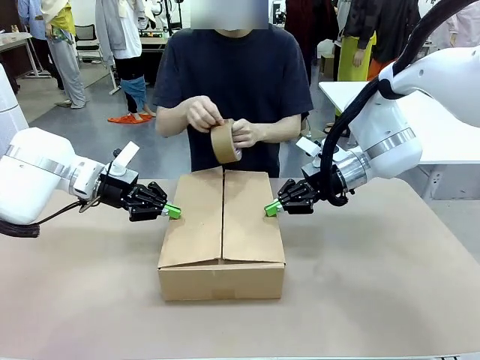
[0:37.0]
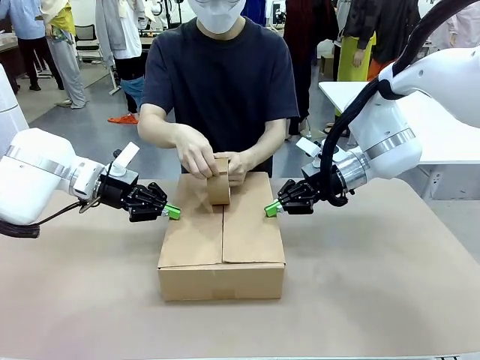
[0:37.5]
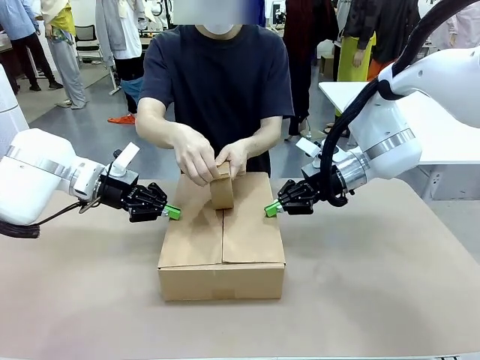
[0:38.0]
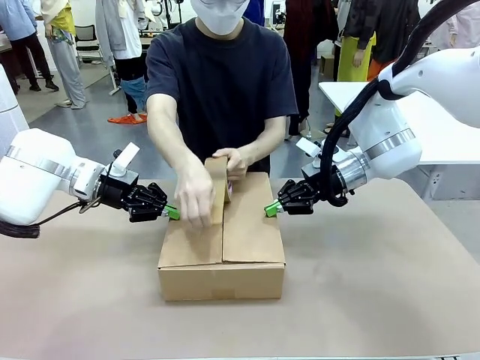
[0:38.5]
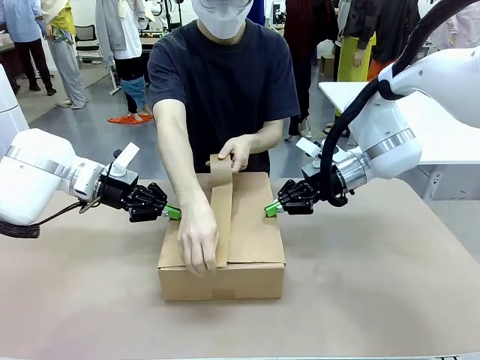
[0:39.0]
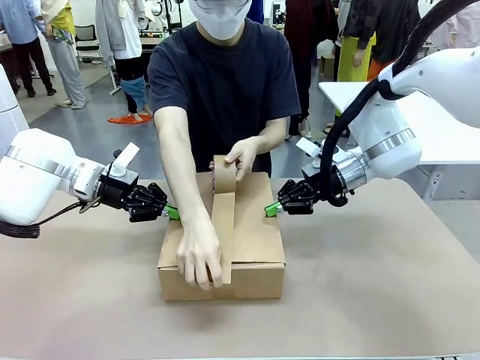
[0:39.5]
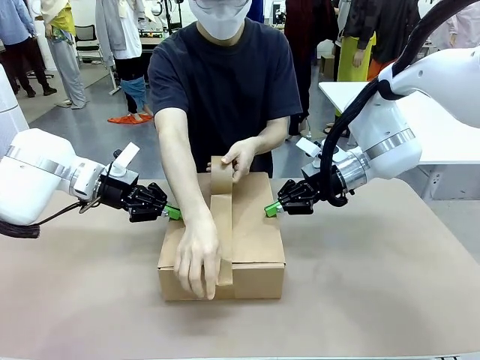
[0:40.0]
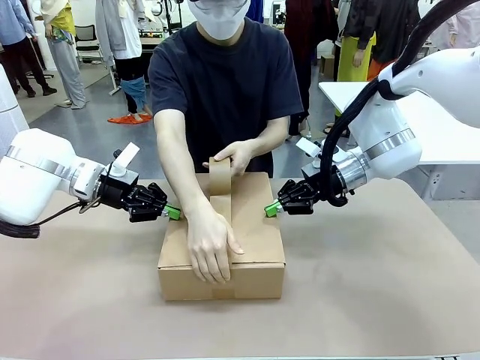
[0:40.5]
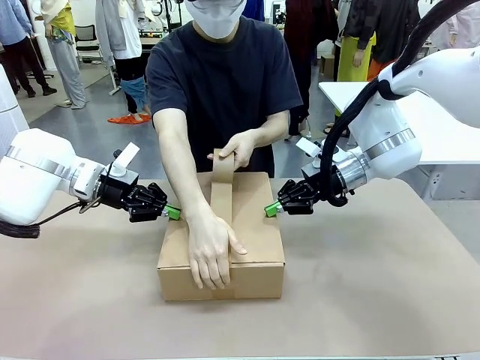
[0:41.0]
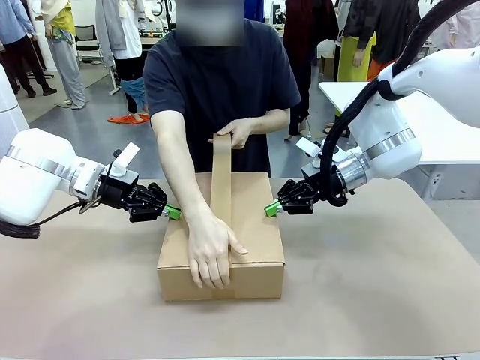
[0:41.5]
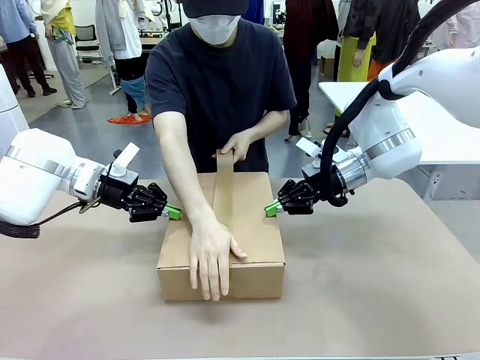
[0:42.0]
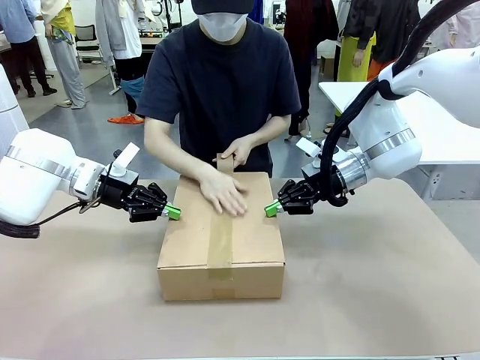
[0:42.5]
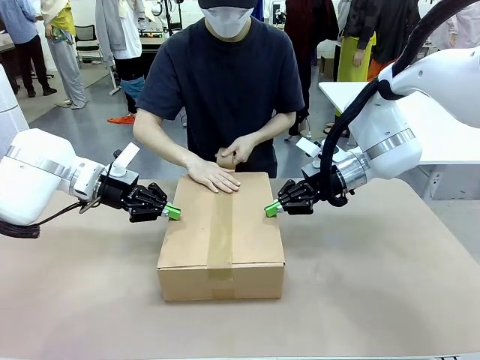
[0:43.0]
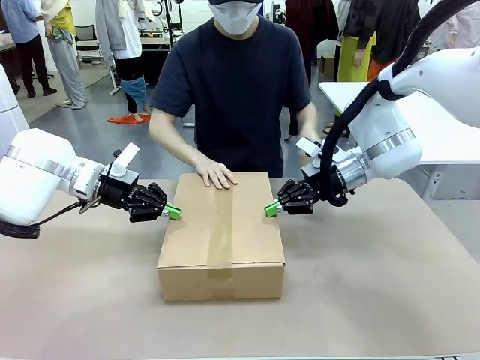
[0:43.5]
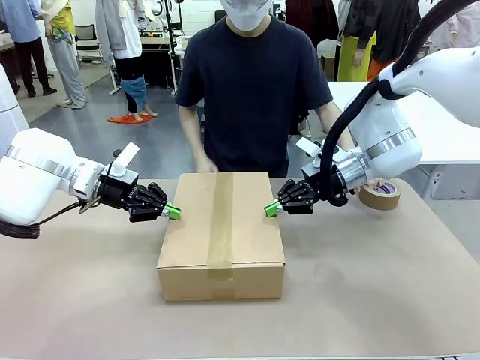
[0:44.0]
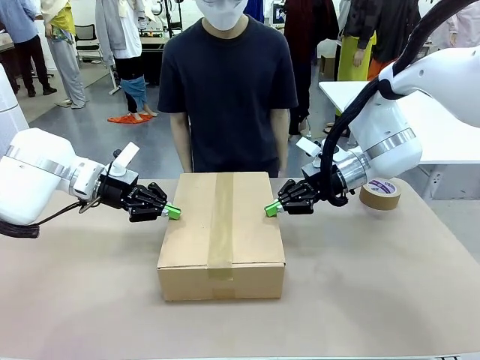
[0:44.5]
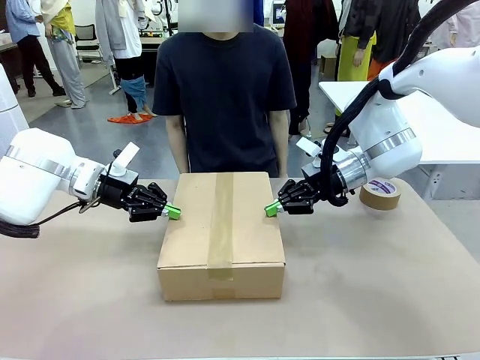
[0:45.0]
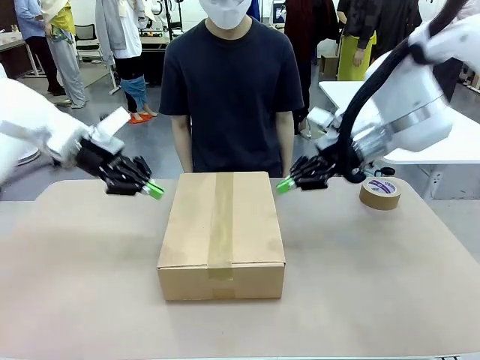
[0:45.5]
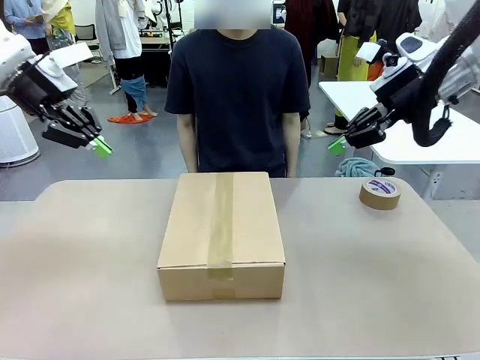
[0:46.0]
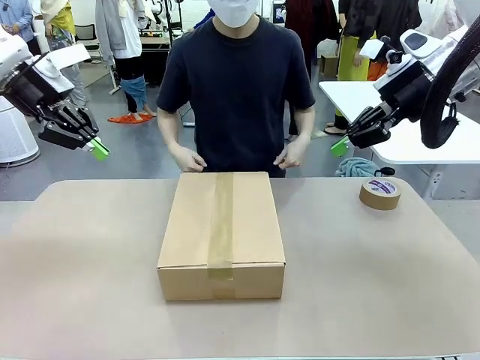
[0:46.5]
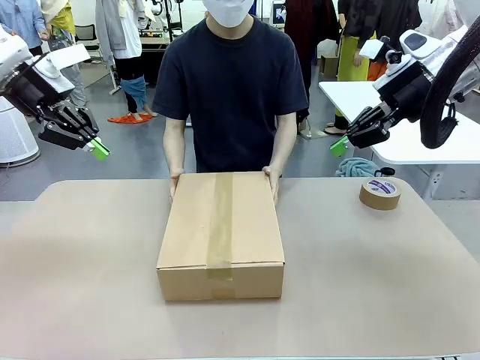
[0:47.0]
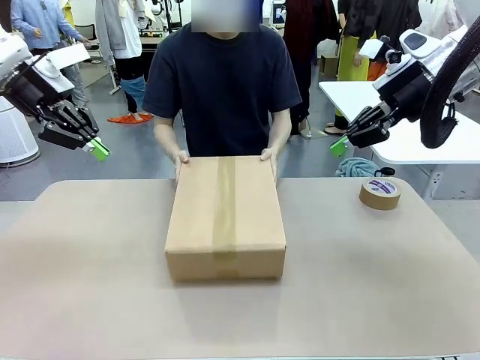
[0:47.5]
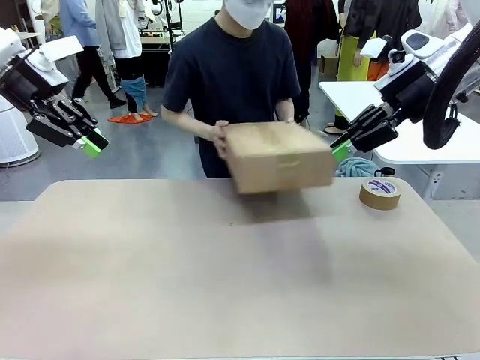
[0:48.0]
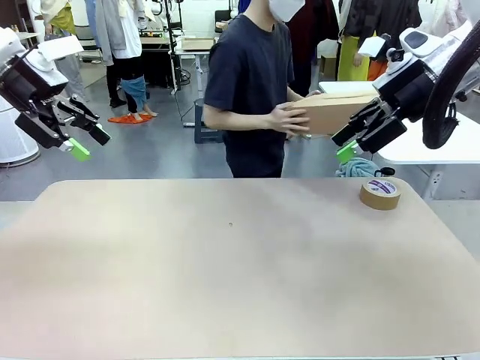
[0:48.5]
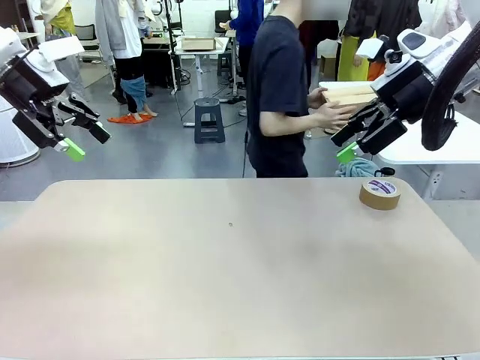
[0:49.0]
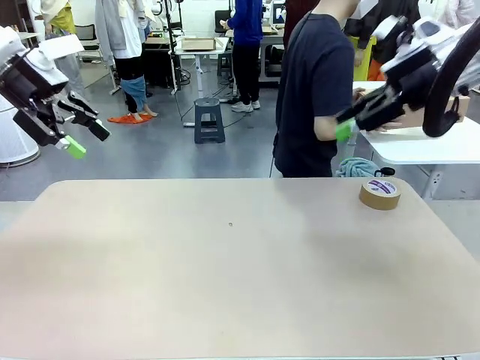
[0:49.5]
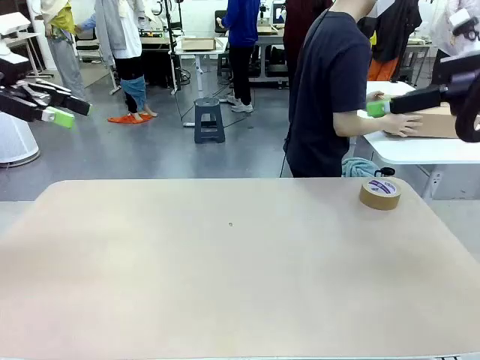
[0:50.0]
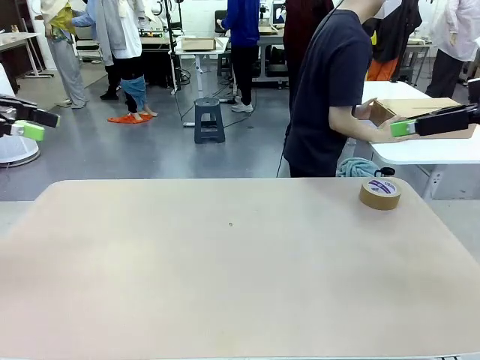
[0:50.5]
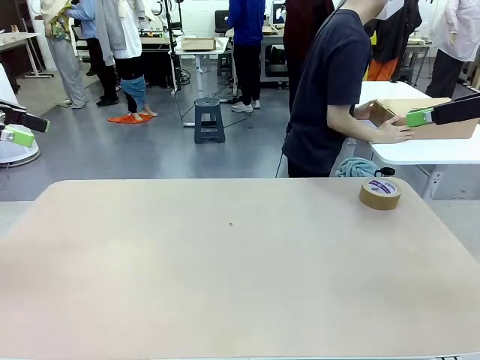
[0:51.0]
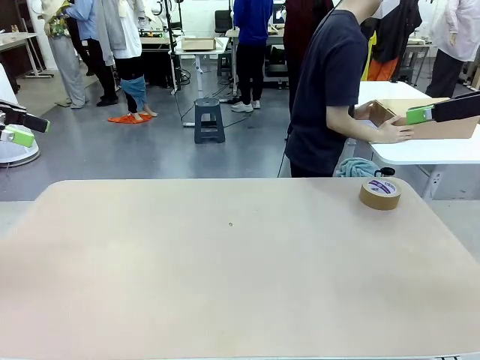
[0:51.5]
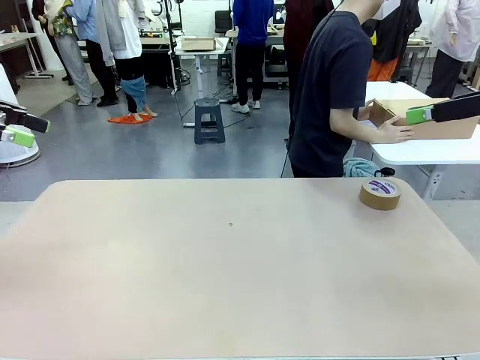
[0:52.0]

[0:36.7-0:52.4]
Task: Wrap the clocks to prevent damage.
Robot: After the human seals the box with tape, release both hands from the side flaps of the Package Box.
Person: Once the robot closes the left flap of the Package Box , seal the box with Paper Tape. Place sealed Package Box in the middle of the human's table.

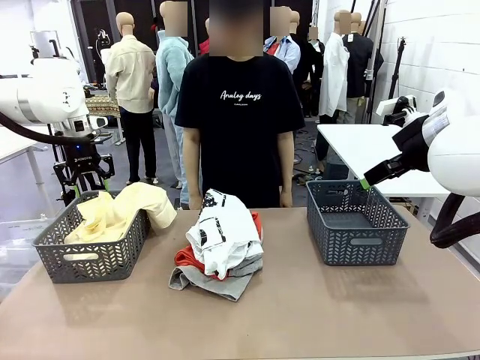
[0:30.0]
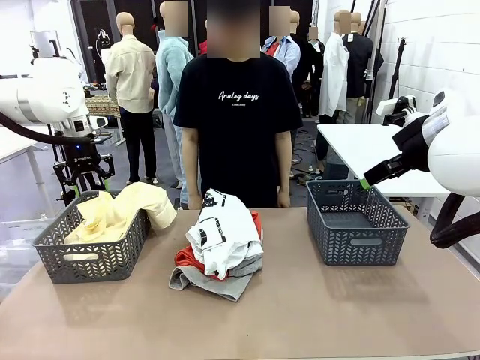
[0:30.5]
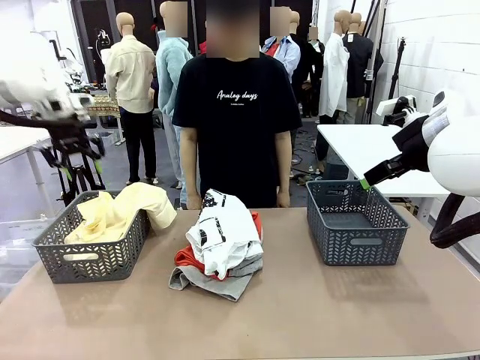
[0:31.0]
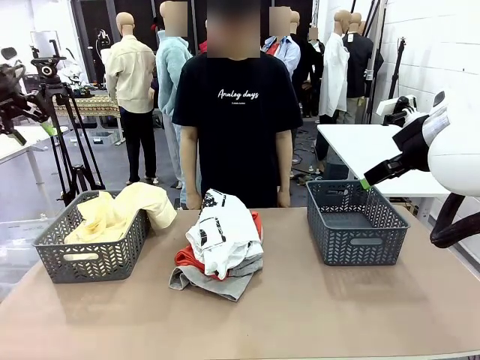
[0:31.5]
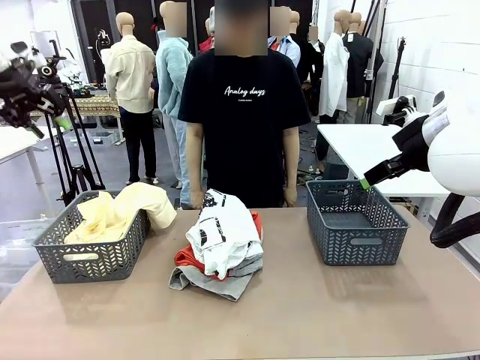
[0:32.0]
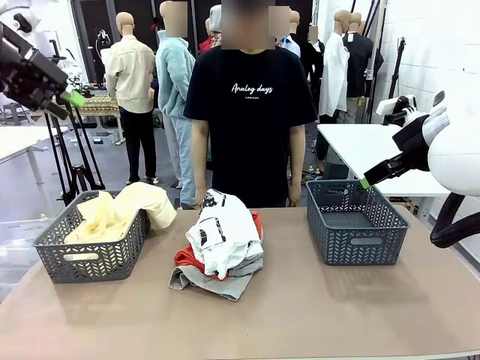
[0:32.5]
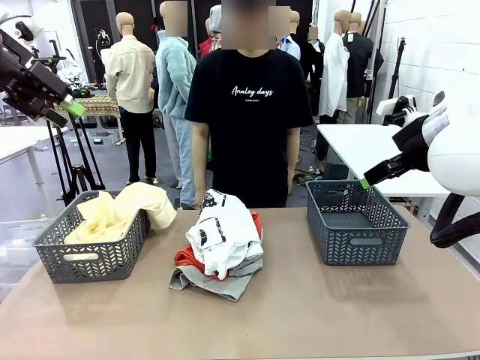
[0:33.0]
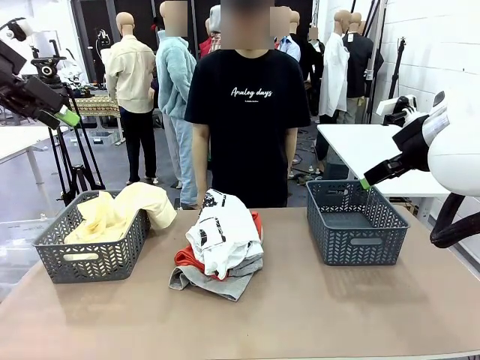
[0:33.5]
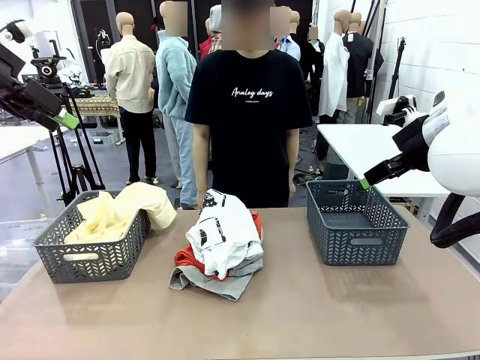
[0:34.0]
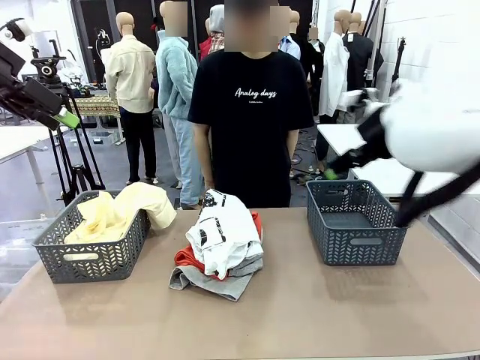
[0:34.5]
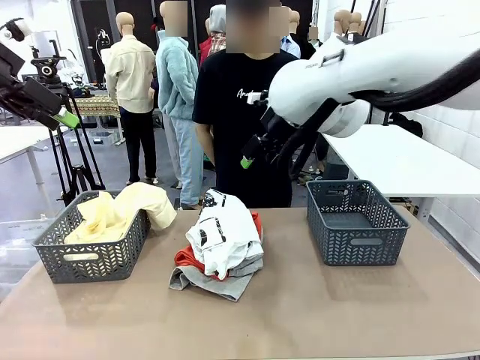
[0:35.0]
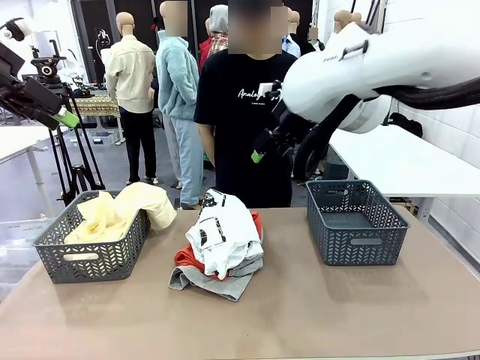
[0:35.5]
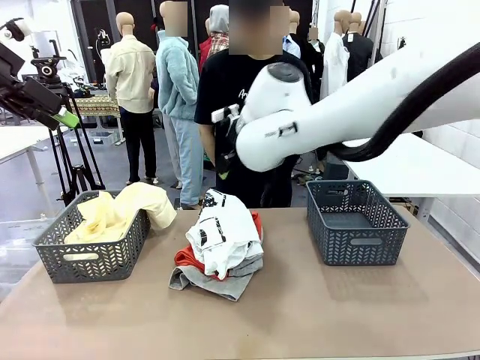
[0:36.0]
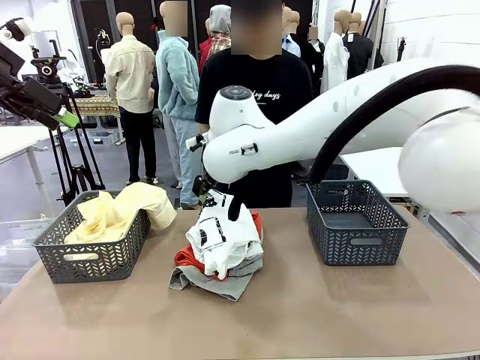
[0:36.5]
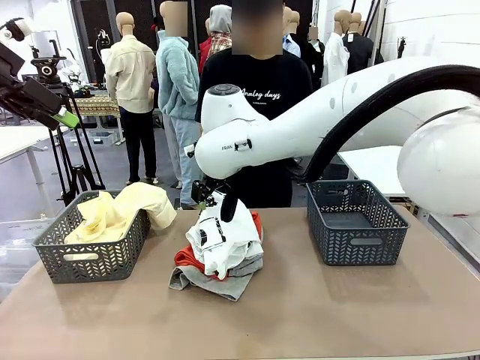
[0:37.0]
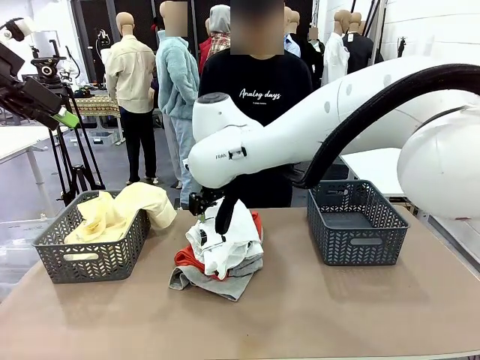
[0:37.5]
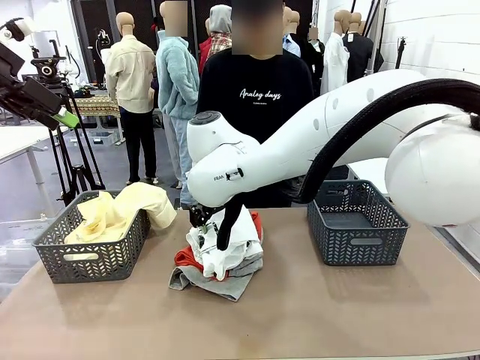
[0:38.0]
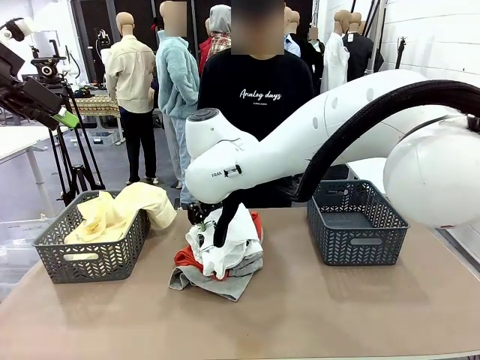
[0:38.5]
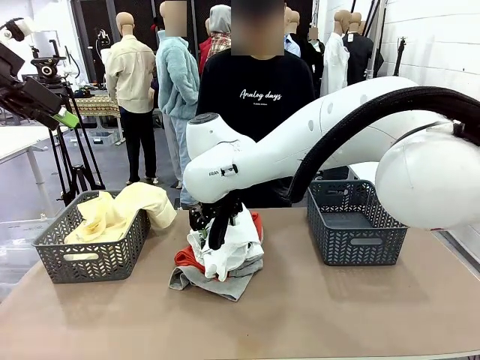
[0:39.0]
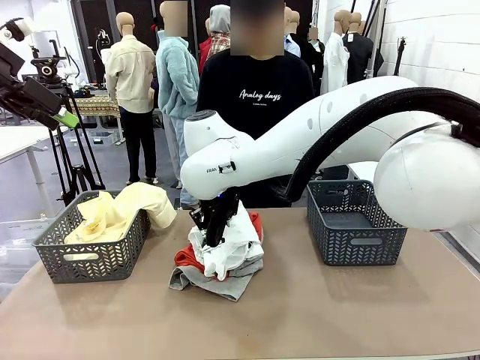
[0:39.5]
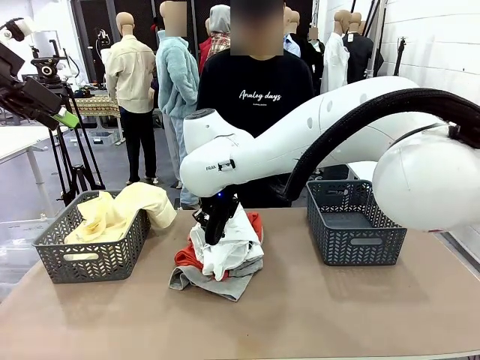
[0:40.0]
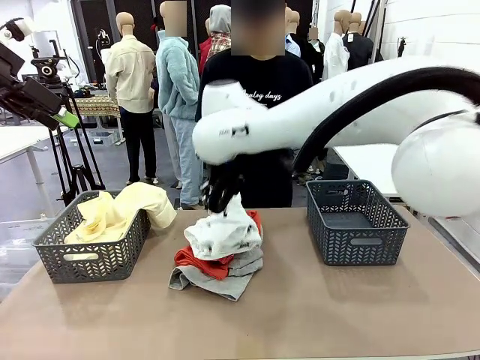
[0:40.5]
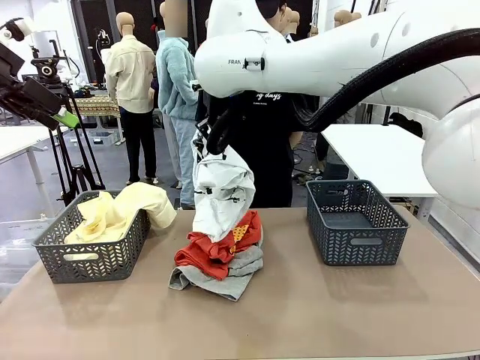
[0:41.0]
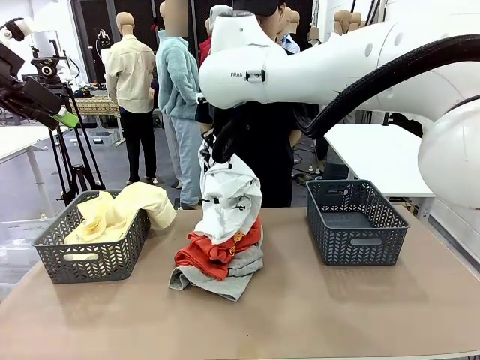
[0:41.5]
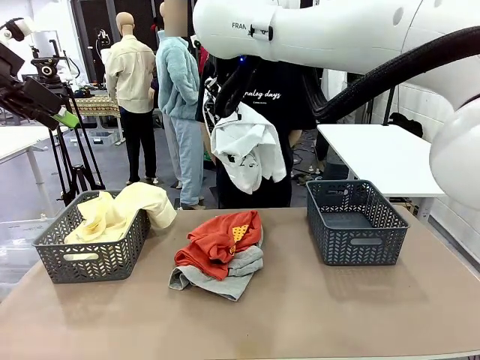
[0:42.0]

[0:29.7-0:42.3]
Task: Sort the tops and bottoms.
Robot: Lift clothes from the center of the table with your right hand.
